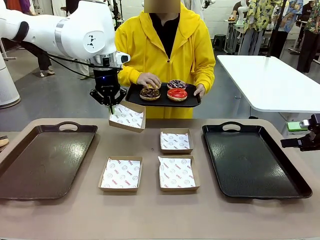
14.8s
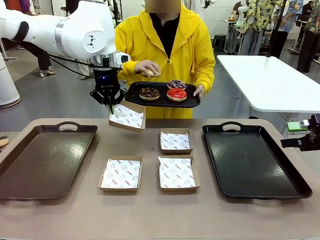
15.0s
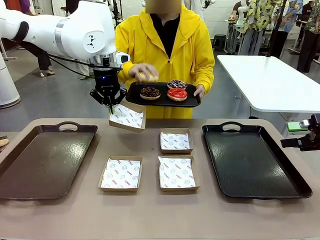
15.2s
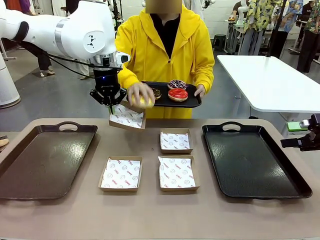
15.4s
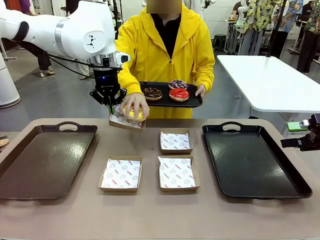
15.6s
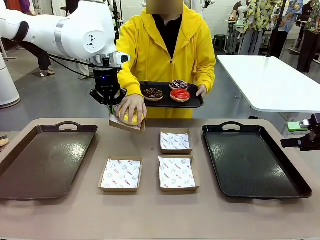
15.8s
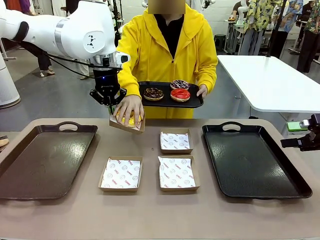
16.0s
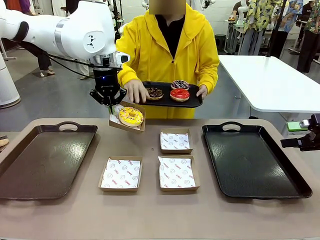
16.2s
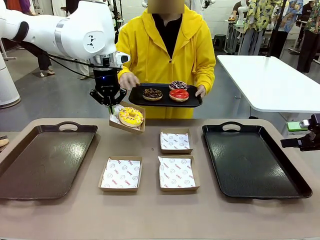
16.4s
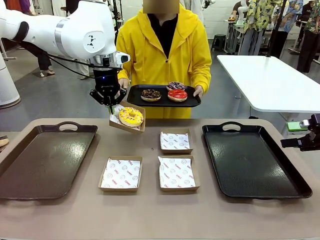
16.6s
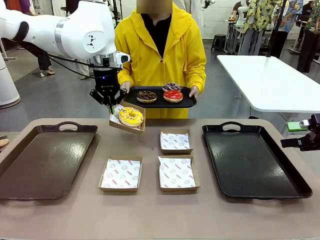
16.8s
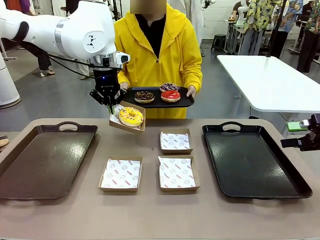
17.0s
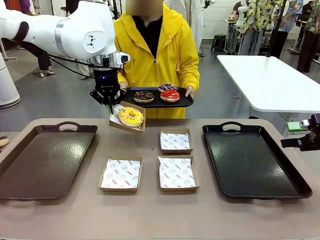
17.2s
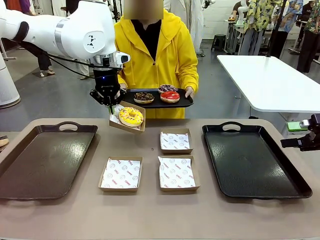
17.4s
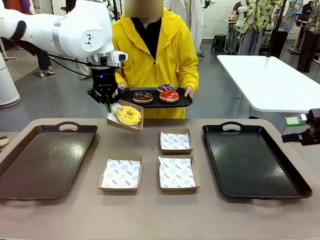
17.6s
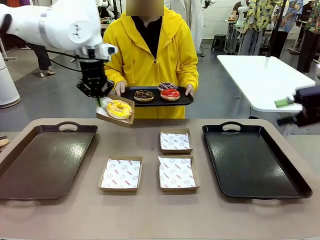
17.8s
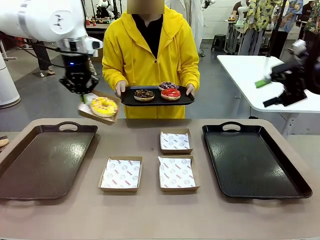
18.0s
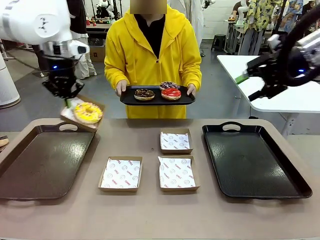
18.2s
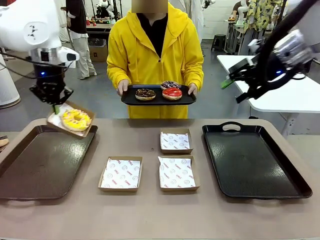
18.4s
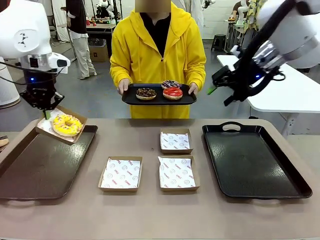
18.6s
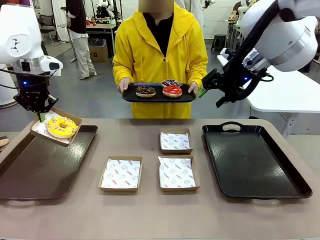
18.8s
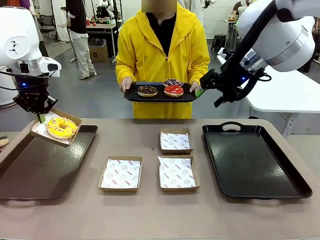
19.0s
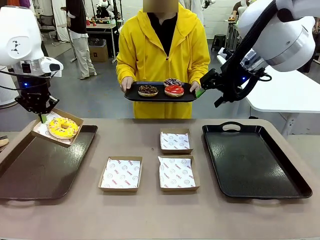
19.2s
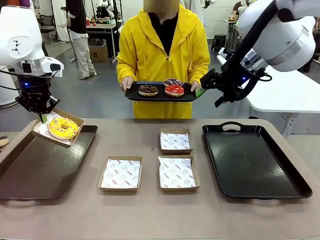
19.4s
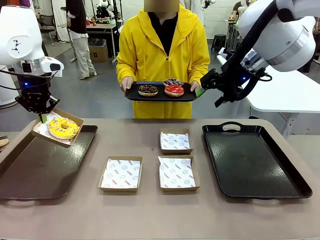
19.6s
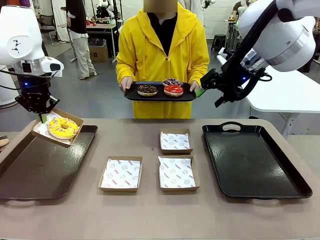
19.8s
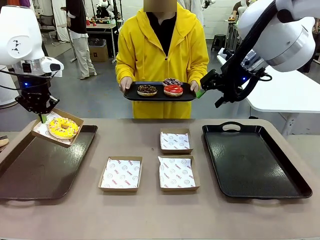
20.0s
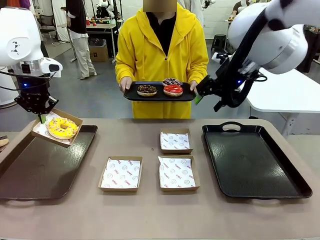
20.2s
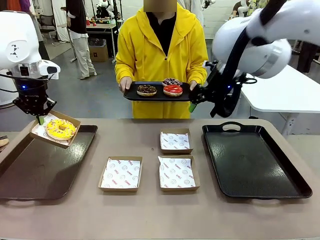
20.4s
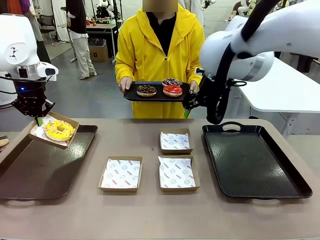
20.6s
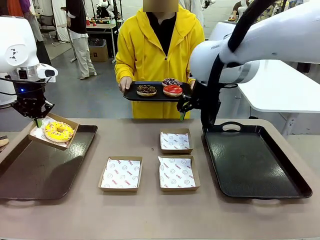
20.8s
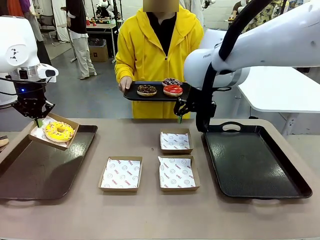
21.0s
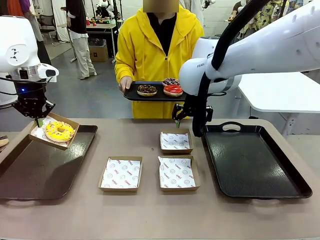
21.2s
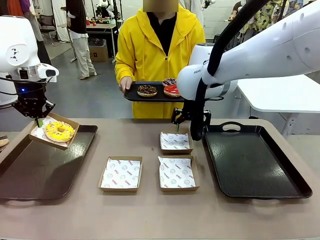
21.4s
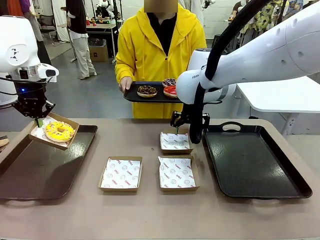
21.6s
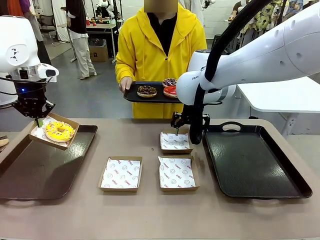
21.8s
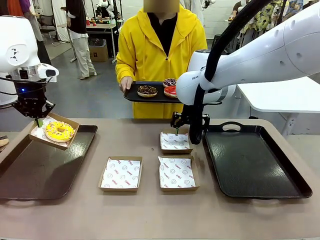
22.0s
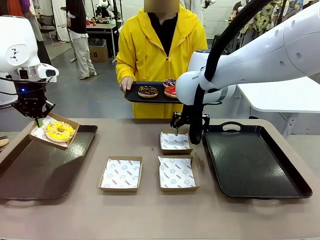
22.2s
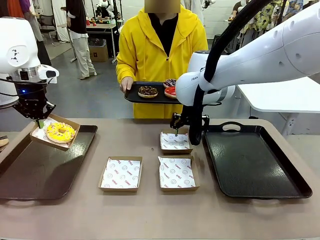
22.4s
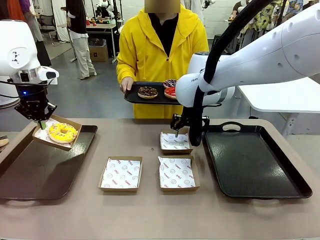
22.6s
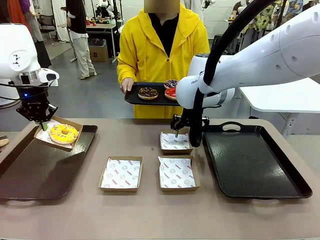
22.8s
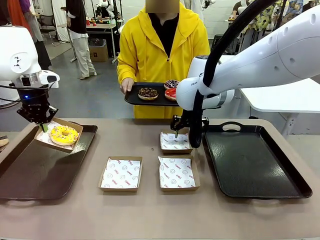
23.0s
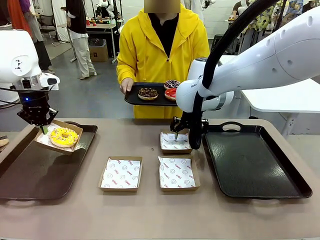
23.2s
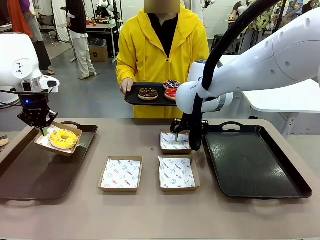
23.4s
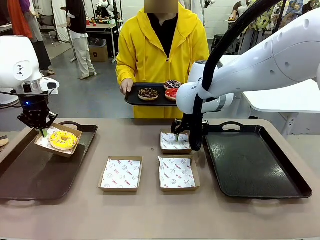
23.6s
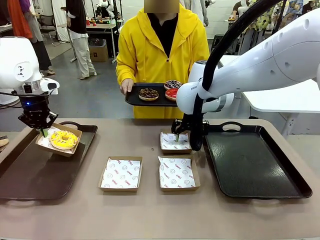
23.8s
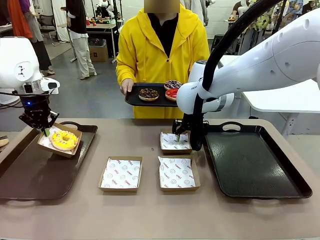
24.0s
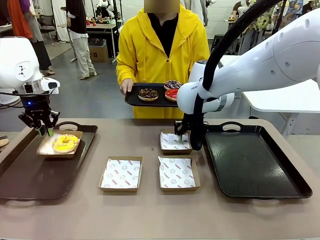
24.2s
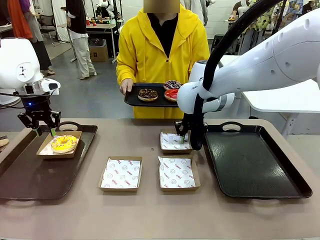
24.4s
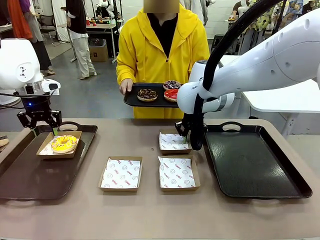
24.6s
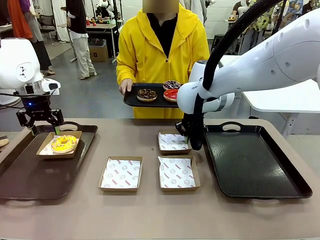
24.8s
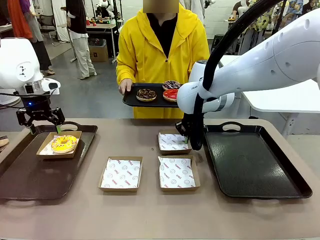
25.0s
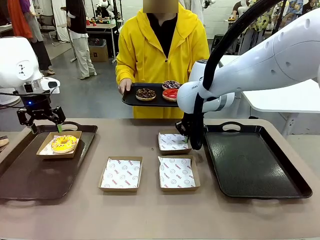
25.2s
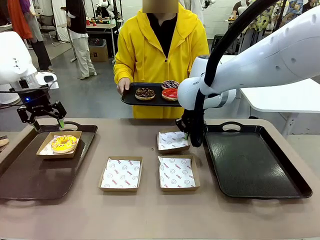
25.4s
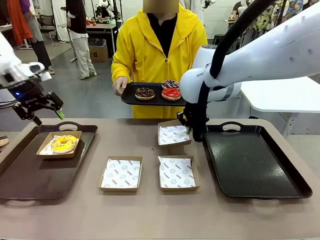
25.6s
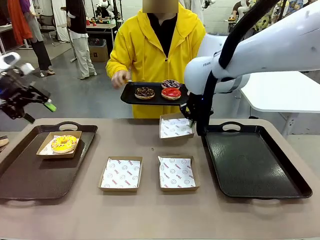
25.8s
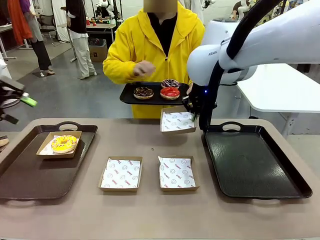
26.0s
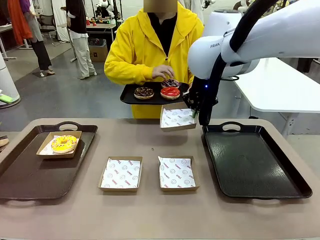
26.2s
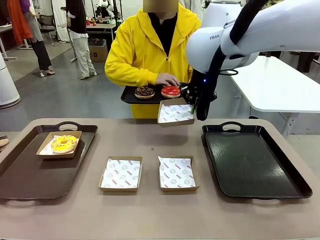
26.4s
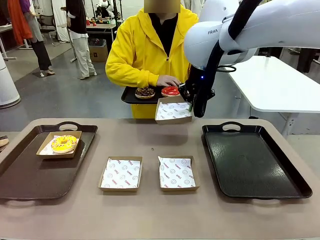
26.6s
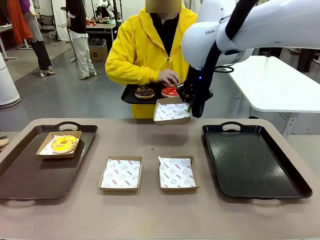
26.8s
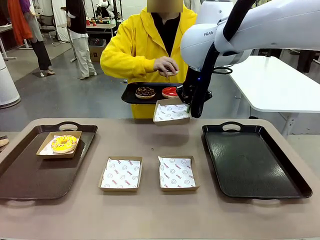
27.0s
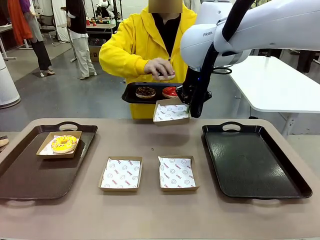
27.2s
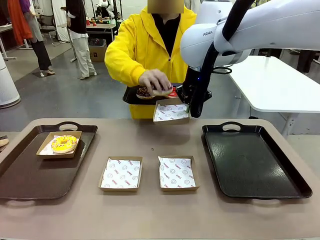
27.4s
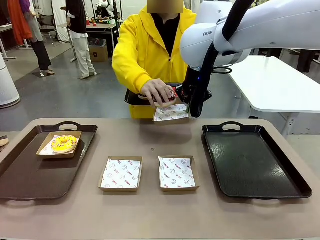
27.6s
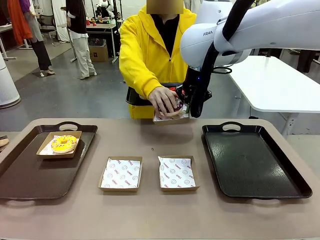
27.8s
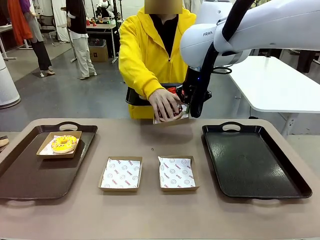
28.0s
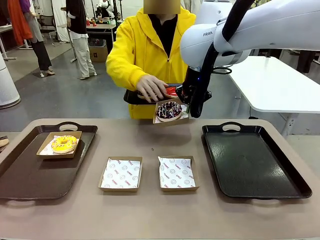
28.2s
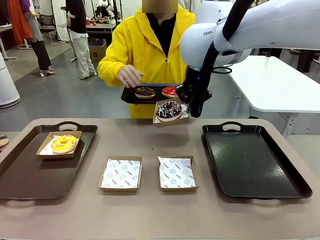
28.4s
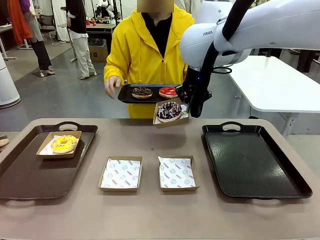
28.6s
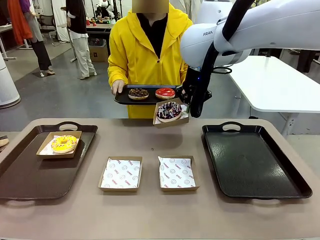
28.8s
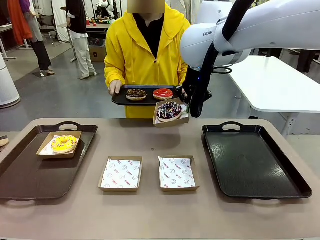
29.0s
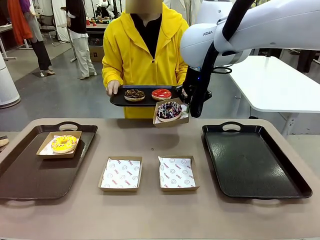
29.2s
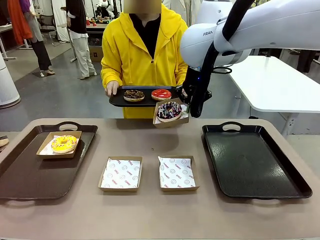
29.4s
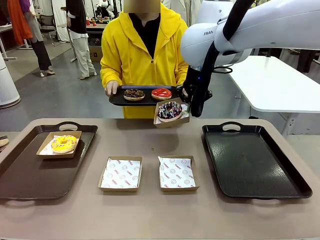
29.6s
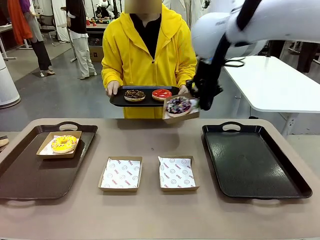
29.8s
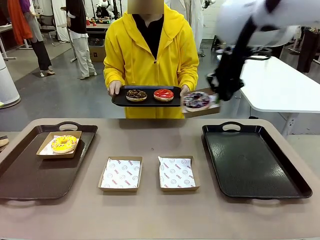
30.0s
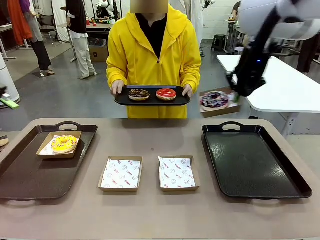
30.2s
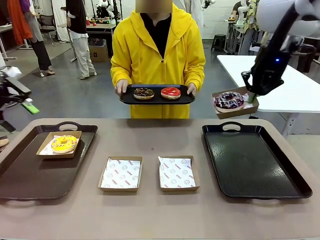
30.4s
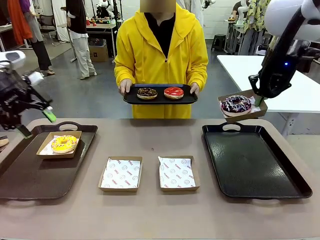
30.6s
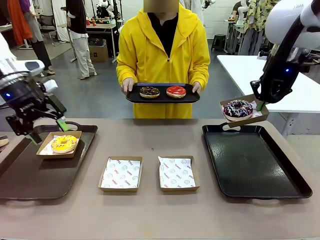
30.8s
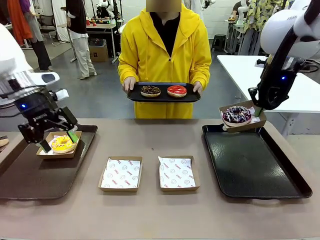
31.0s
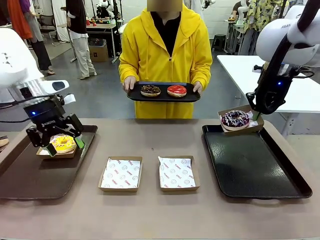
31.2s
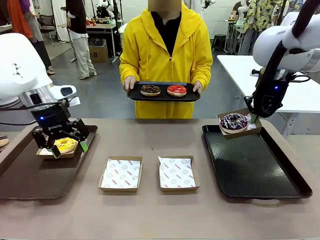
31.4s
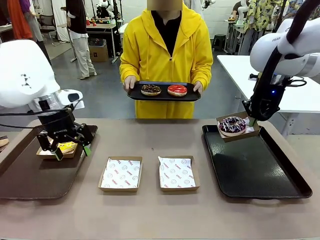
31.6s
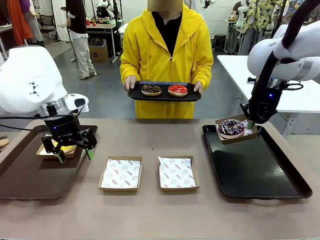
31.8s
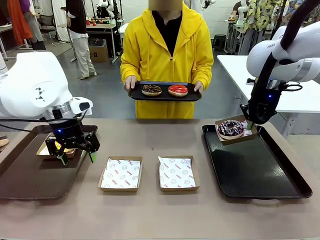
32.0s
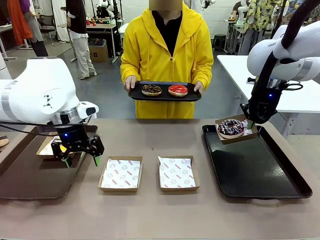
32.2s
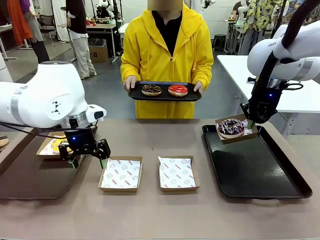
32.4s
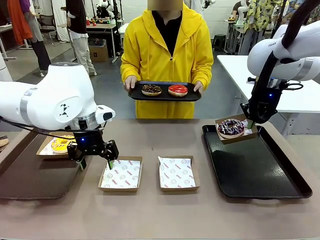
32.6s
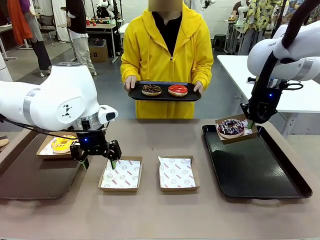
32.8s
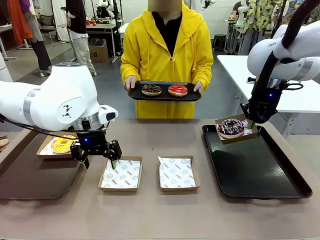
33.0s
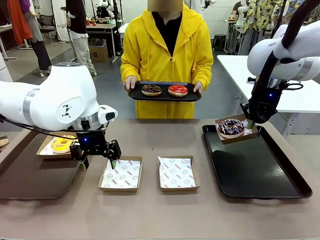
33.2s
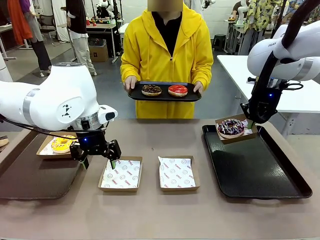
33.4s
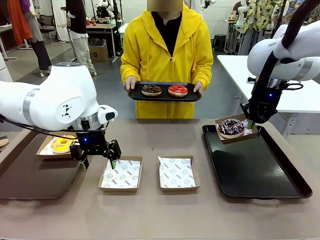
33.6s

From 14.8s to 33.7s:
Task: Individually package the donuts and arrange them on the tray.
Robot: Place the picked Paper togo box on the Handle tray while simultaneously picking up another Paper togo box from the table with the other hand.
